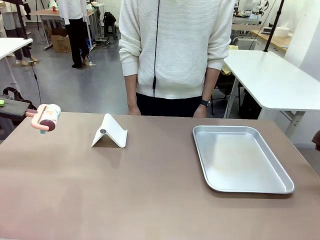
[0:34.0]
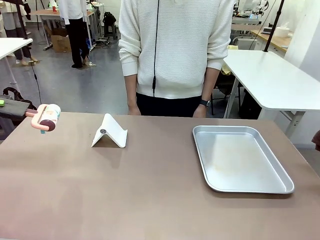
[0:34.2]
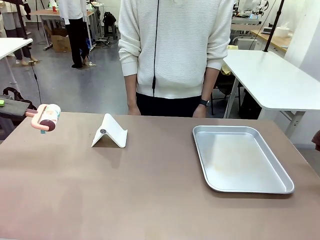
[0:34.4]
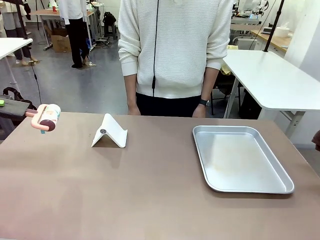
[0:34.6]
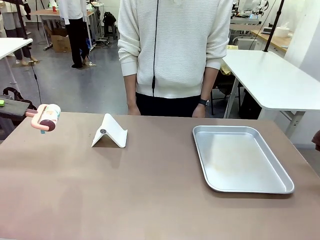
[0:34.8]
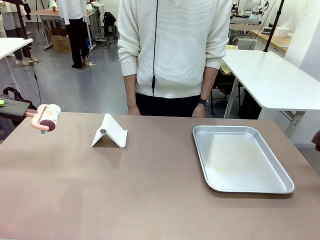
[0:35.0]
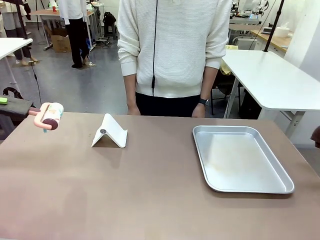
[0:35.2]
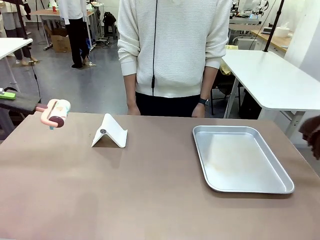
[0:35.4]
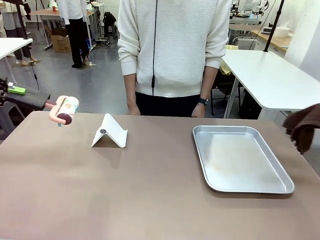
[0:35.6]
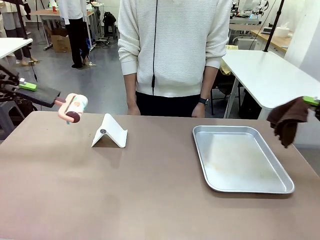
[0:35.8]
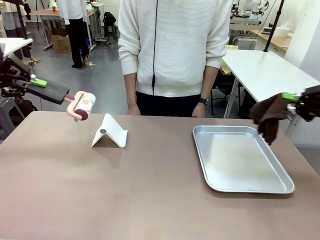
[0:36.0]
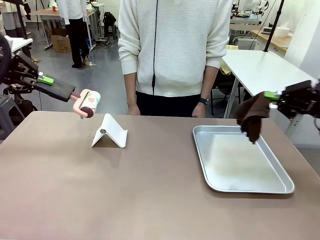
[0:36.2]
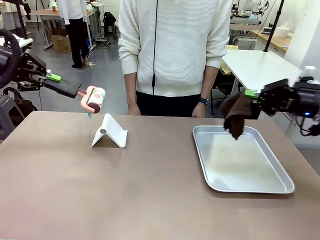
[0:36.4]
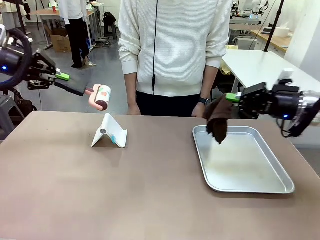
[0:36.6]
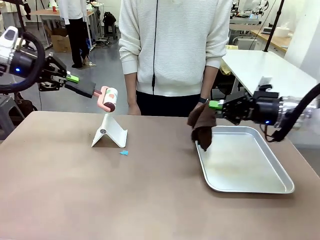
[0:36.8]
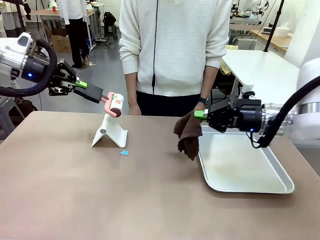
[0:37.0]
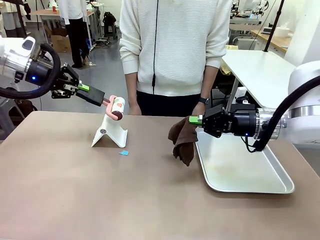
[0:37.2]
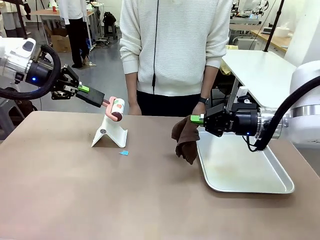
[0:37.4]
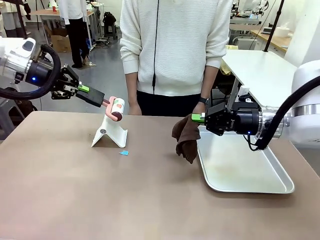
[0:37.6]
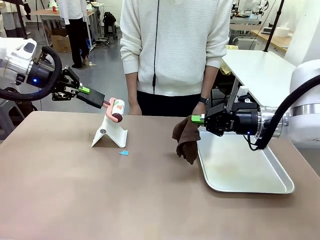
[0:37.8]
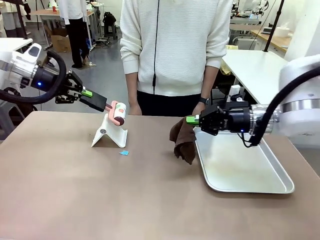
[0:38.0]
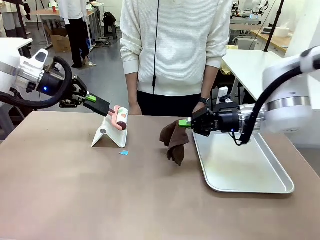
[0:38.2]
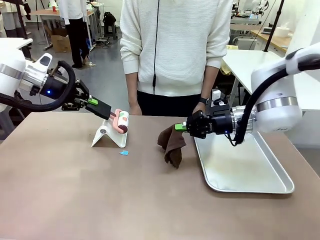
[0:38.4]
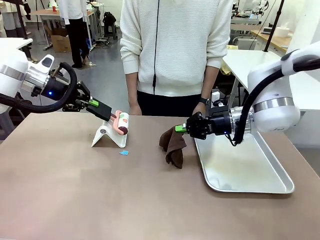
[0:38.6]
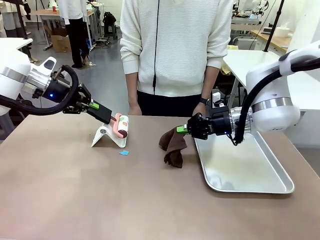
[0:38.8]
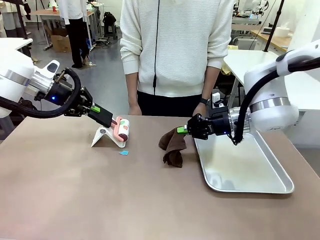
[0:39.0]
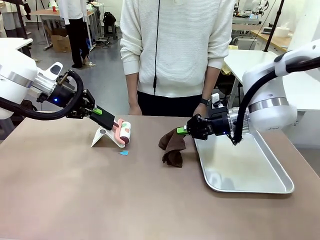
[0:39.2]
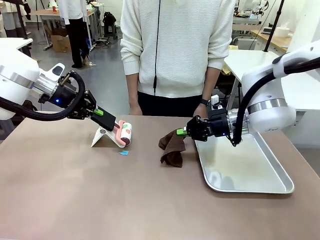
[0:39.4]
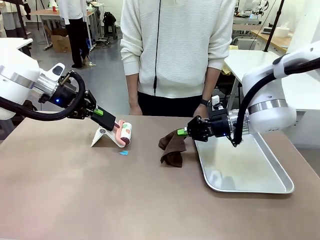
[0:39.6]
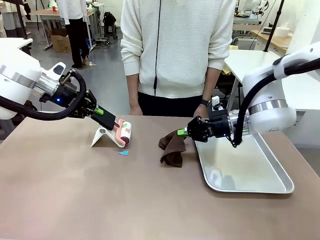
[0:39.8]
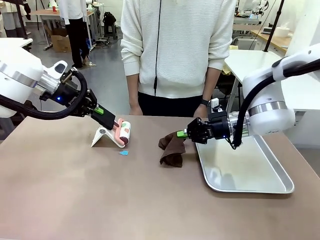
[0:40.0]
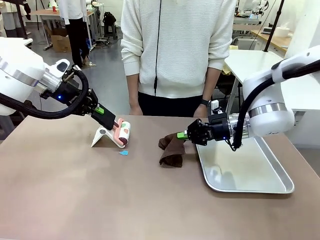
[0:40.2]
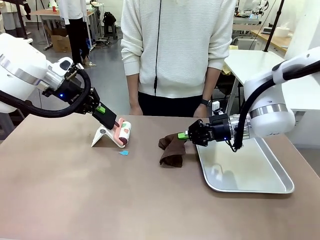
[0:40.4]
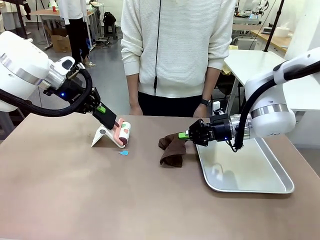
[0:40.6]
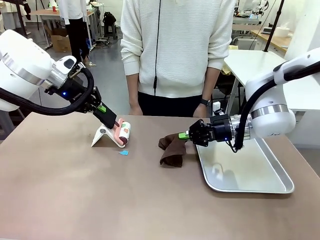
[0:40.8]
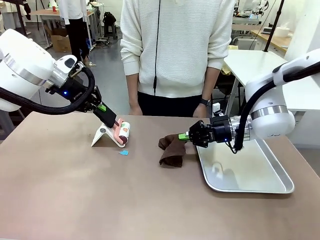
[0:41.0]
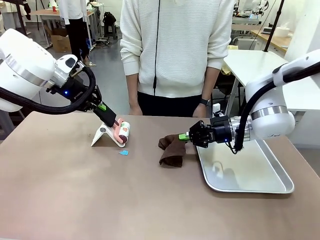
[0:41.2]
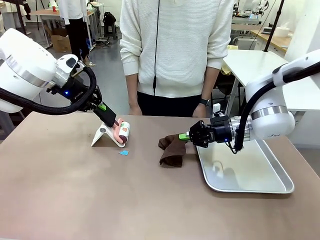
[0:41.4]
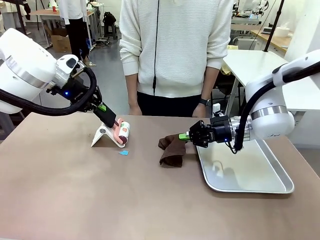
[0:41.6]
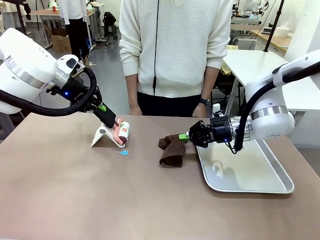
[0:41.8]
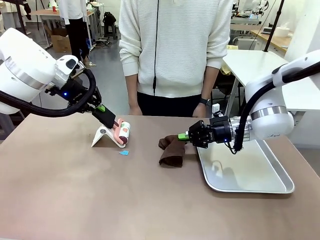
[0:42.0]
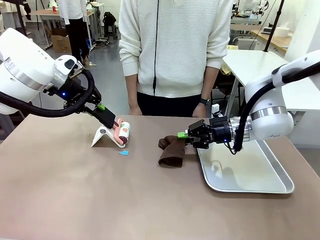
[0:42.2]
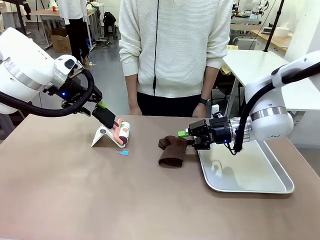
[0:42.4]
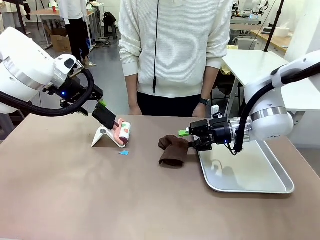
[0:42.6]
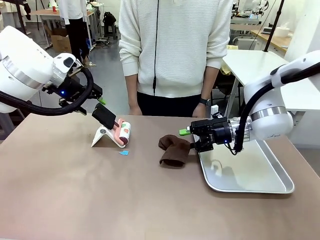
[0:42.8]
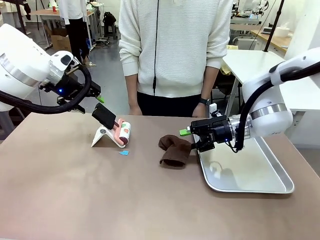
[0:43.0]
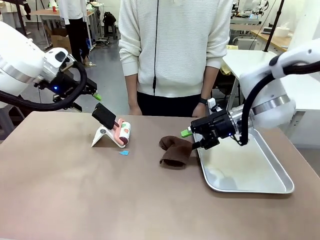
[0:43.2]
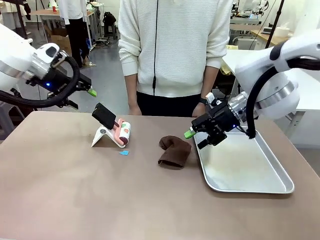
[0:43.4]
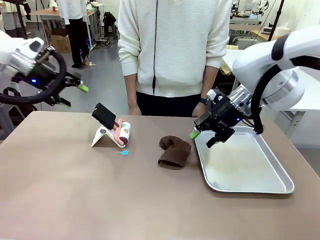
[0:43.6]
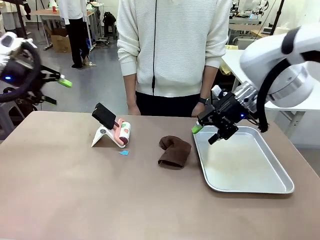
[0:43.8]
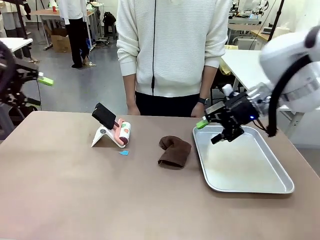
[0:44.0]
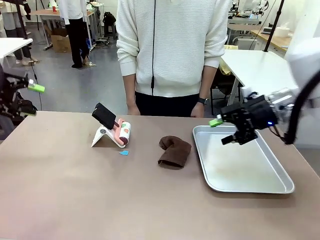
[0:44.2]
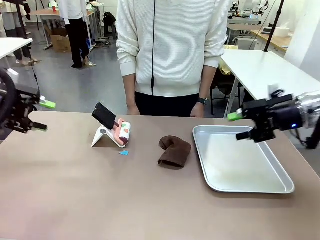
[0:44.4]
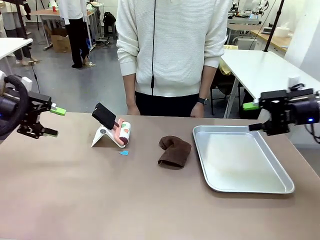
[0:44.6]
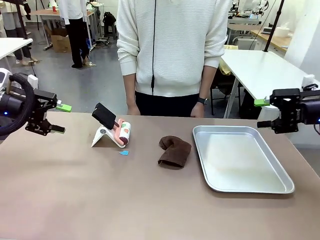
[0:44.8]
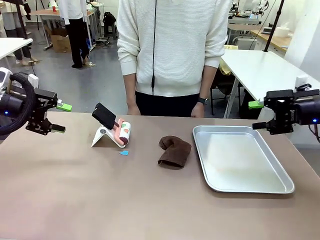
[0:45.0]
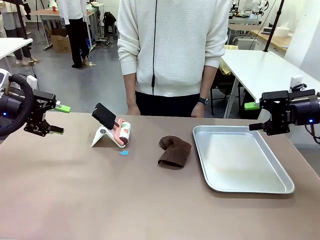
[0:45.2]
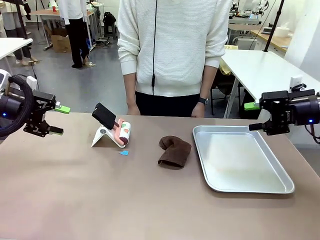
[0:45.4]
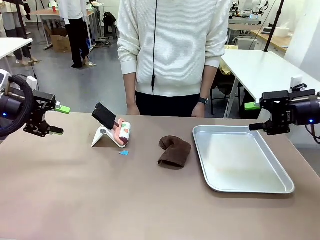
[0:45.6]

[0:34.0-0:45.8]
Task: Clean the surface of the table.
Robot: Return the Lint Roller and towel to their original positions.
